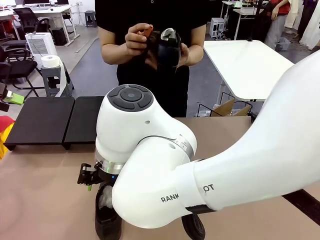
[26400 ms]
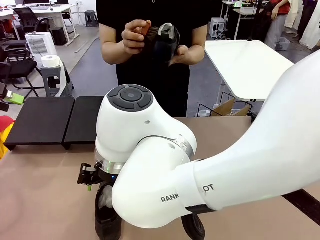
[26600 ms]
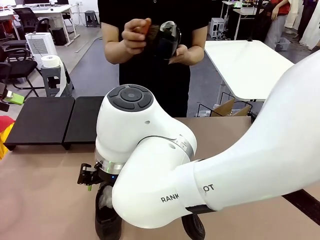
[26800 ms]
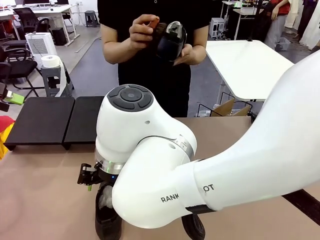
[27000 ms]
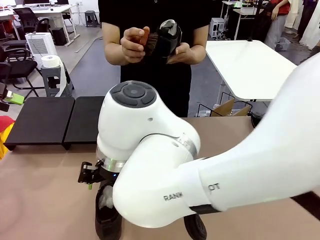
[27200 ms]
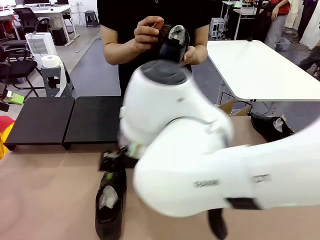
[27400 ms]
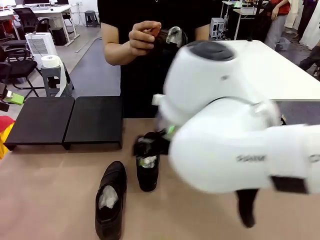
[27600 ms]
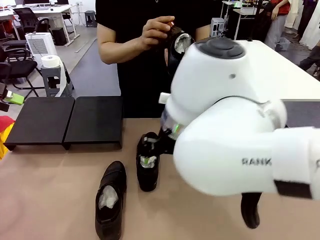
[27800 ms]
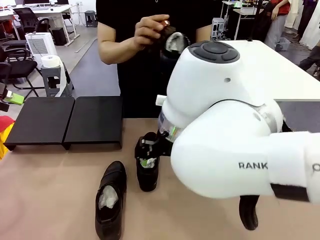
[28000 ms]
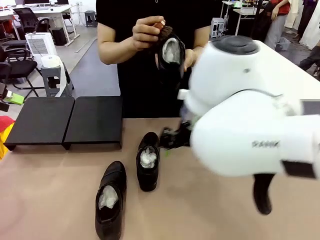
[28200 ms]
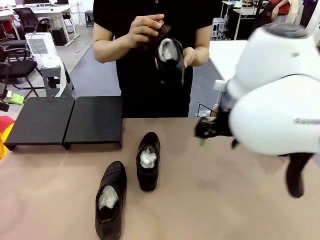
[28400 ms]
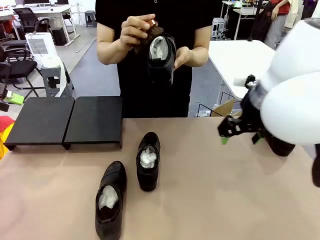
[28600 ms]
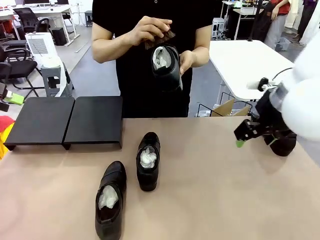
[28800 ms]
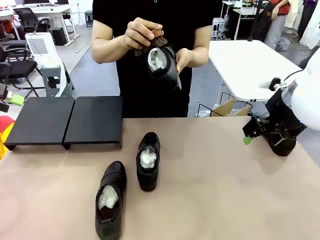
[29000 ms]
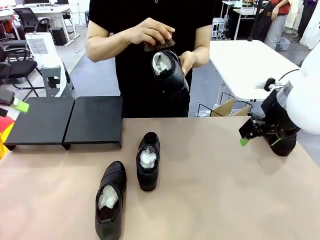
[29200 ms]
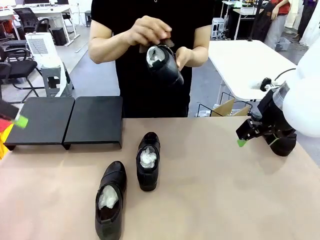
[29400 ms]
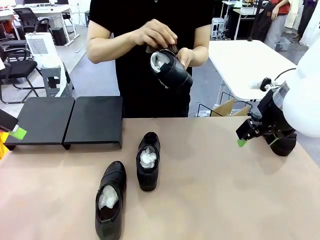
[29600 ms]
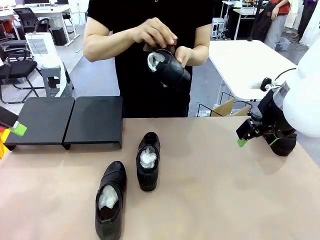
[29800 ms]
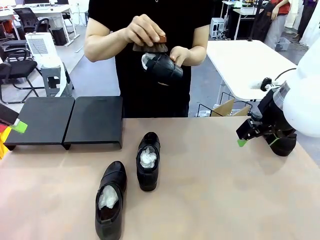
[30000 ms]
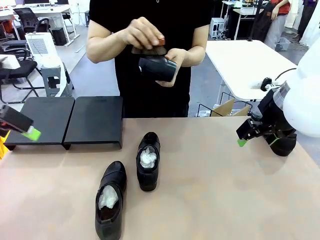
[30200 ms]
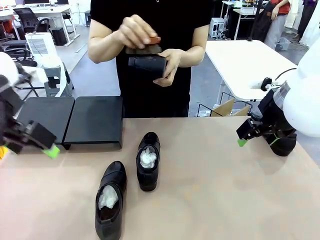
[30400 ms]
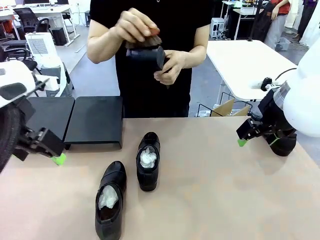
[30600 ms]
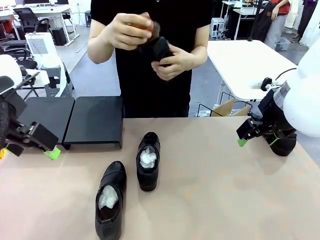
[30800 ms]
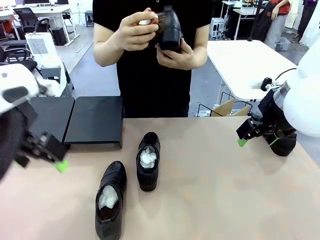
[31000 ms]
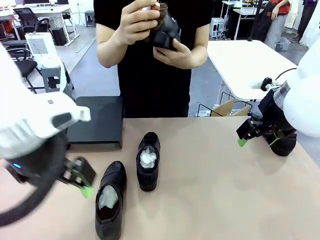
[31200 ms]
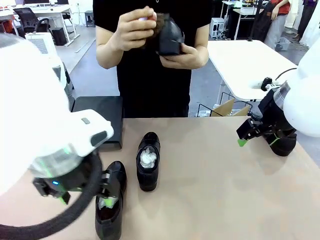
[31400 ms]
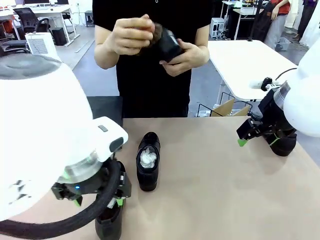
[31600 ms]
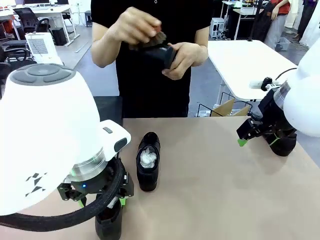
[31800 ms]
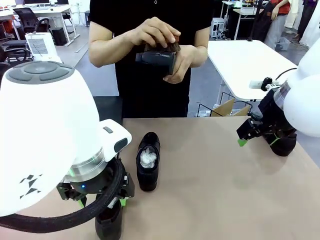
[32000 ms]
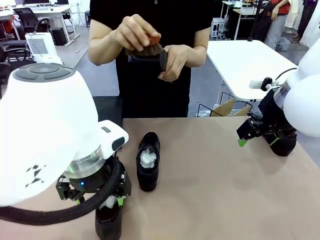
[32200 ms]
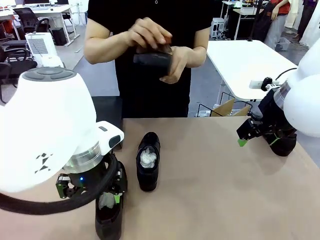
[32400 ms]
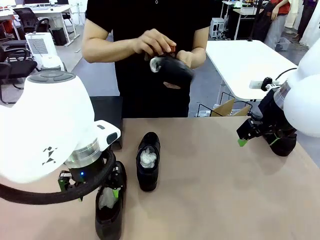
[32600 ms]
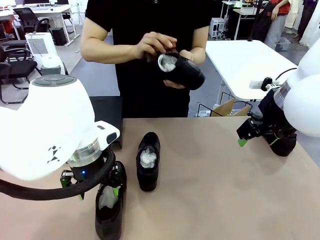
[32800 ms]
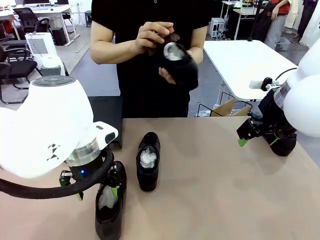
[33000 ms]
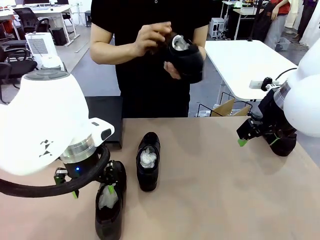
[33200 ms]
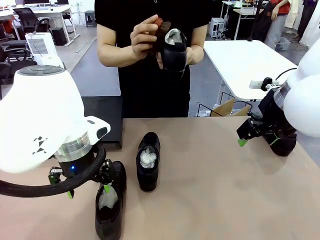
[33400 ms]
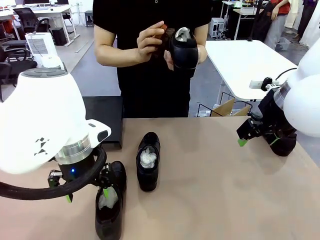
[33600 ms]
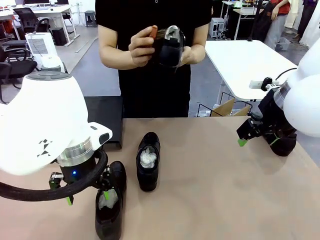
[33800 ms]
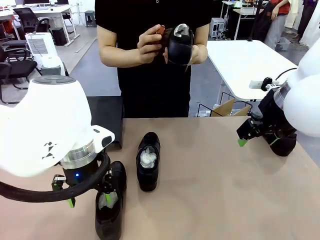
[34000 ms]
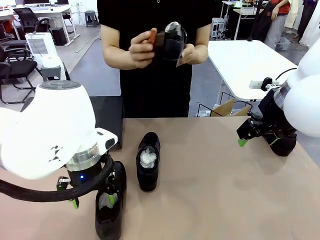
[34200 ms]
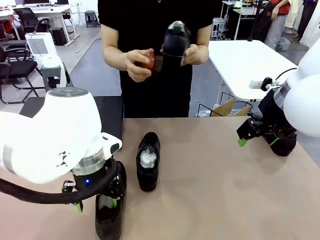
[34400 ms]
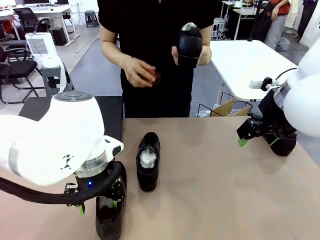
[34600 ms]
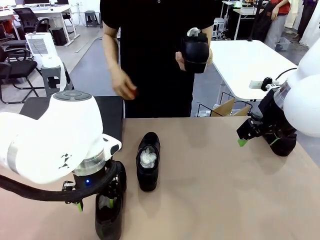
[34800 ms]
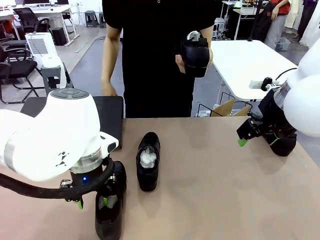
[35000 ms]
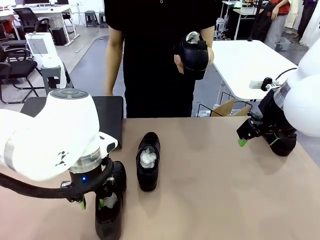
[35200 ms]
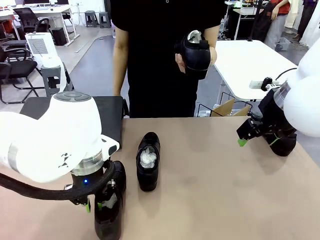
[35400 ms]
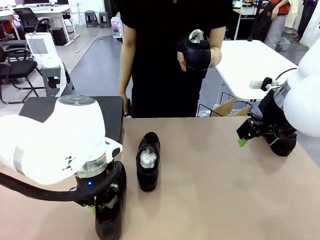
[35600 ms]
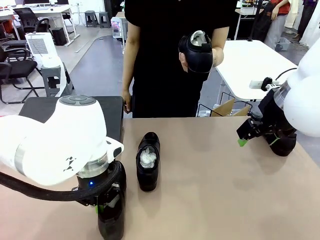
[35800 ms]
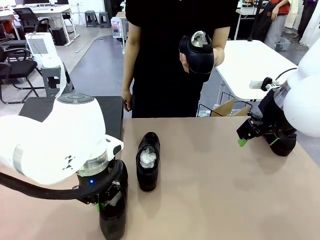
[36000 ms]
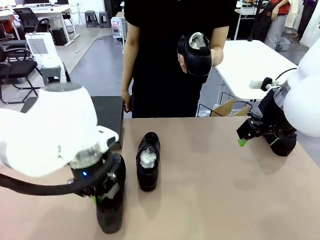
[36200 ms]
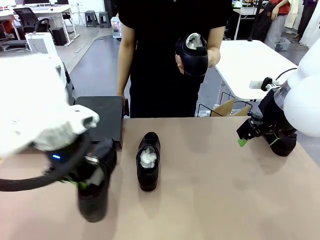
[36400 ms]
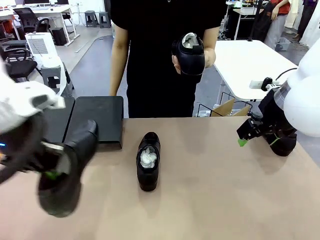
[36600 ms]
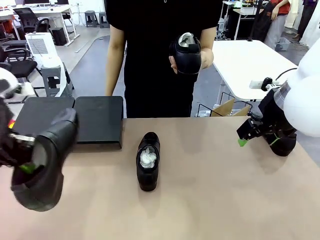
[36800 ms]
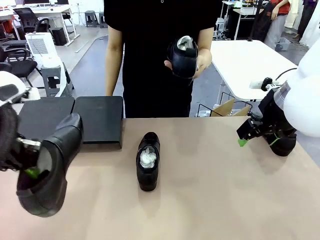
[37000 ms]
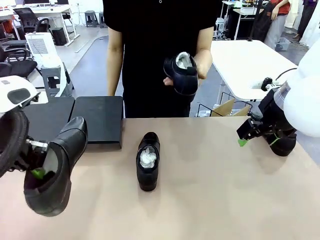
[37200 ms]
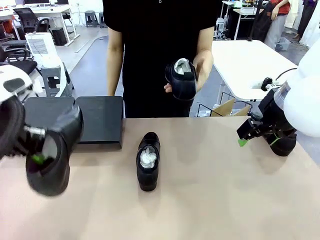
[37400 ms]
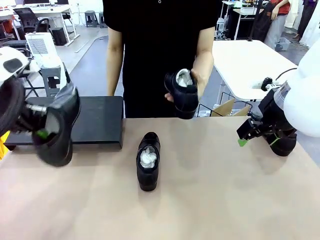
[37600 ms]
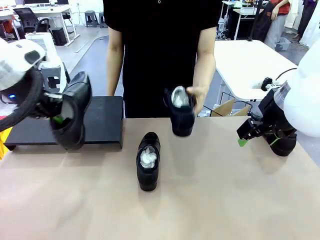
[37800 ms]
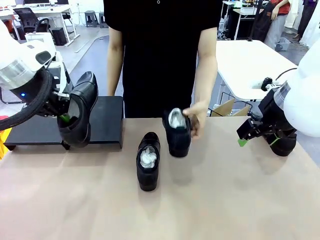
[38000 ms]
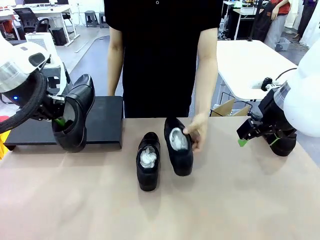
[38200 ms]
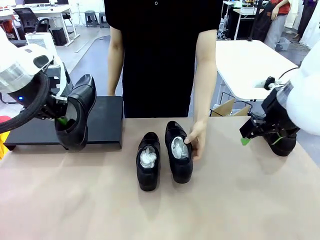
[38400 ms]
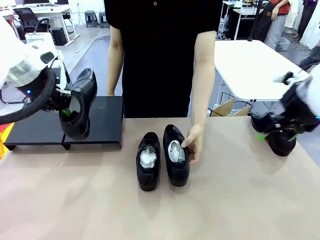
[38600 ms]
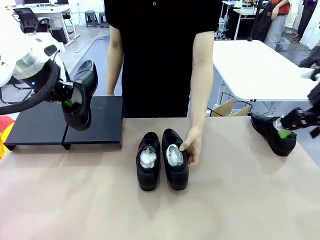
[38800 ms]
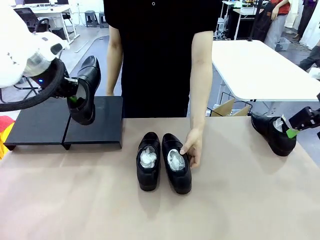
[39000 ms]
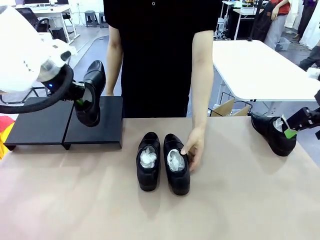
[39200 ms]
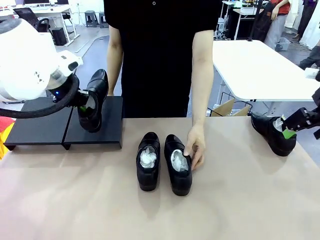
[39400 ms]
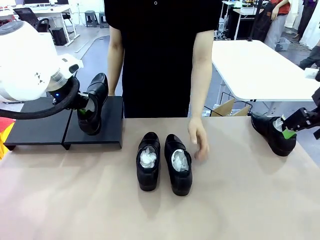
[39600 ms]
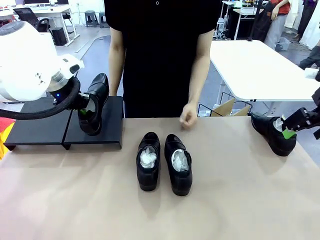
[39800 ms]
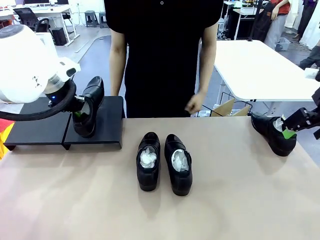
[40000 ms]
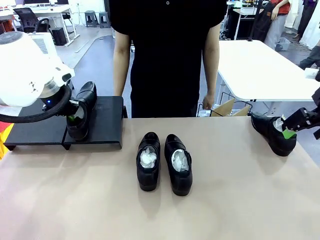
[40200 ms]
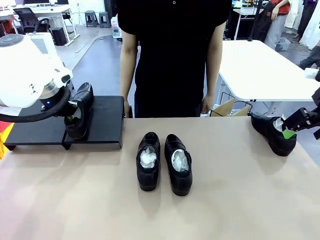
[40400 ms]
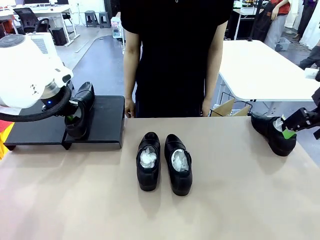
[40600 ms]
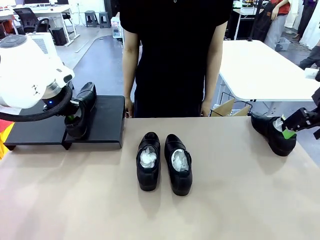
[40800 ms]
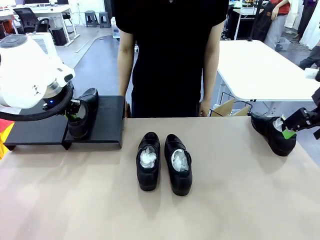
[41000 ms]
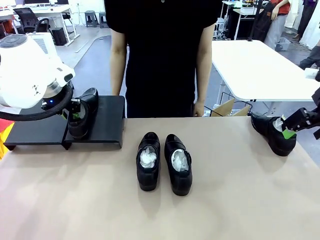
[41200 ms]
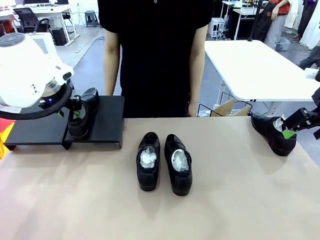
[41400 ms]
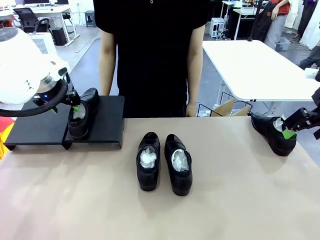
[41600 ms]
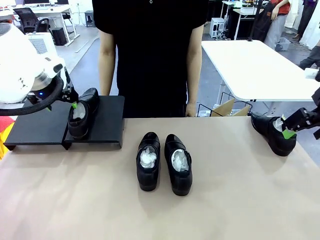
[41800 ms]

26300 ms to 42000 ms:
Task: Organize the shoes by placing them on the stand.
Robot: Place the Shoe from the middle of the table onto the Shoes Stand.
Person: Clean the Shoe with the Shoe Brush.

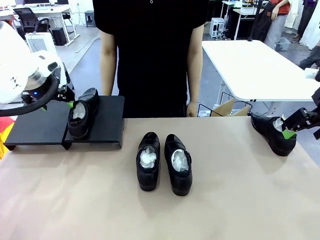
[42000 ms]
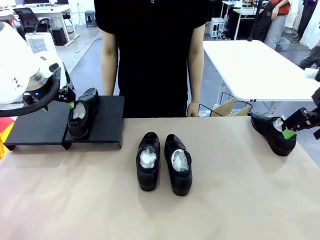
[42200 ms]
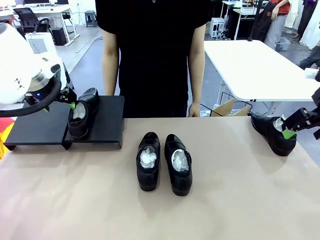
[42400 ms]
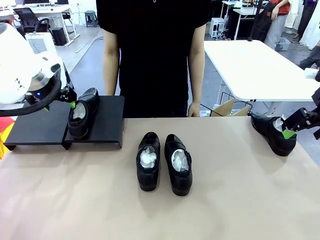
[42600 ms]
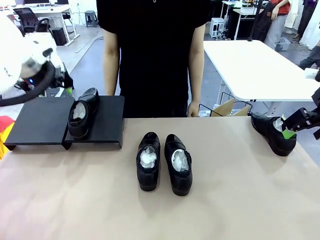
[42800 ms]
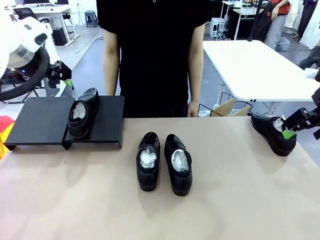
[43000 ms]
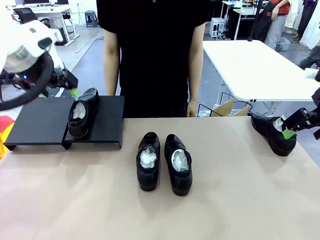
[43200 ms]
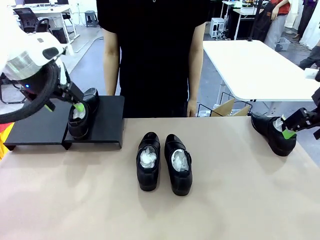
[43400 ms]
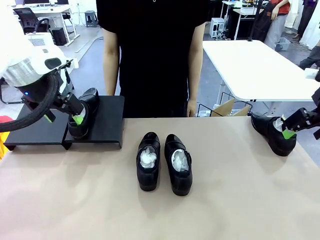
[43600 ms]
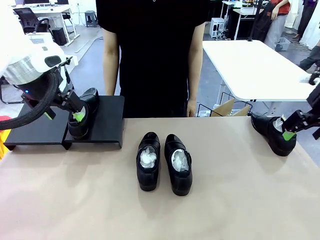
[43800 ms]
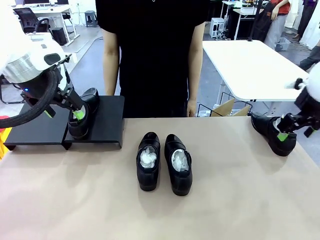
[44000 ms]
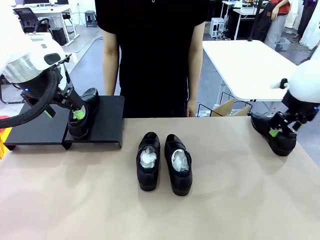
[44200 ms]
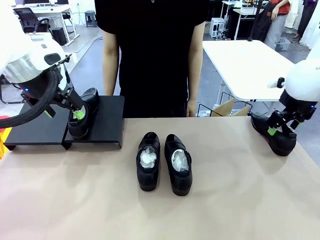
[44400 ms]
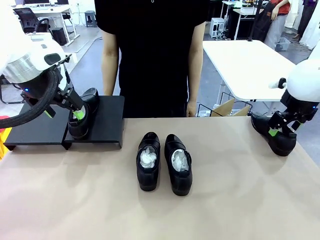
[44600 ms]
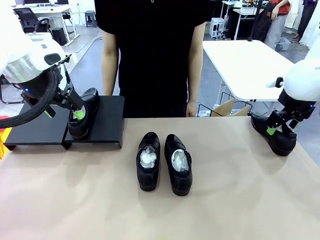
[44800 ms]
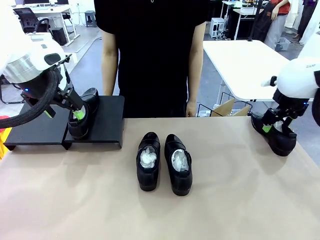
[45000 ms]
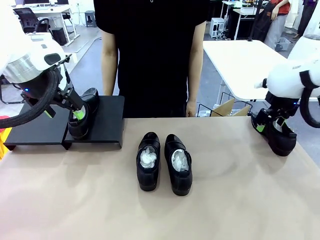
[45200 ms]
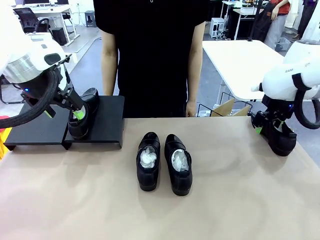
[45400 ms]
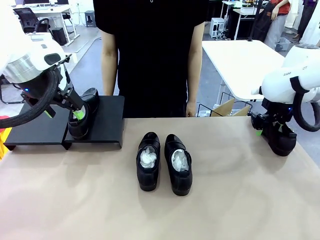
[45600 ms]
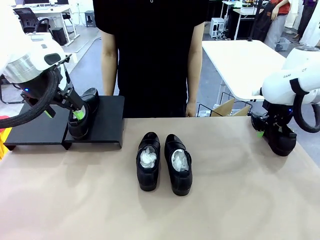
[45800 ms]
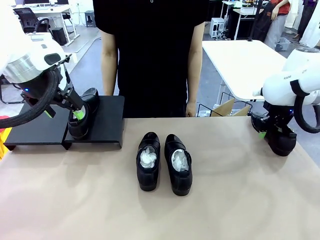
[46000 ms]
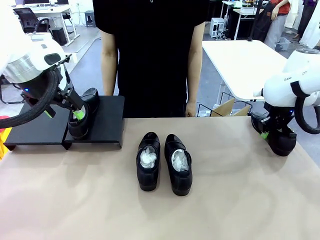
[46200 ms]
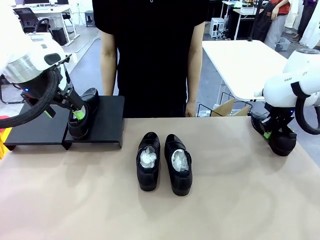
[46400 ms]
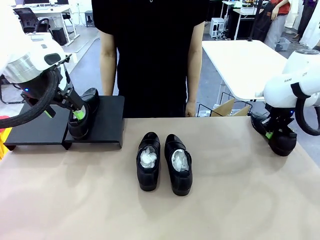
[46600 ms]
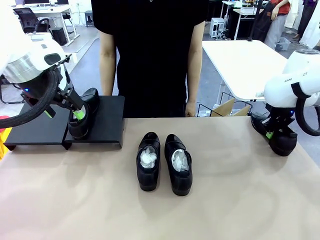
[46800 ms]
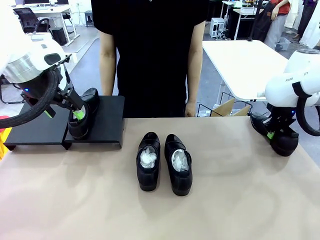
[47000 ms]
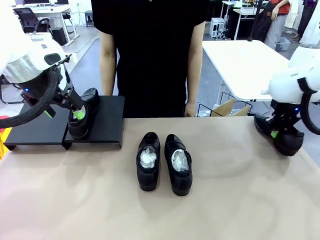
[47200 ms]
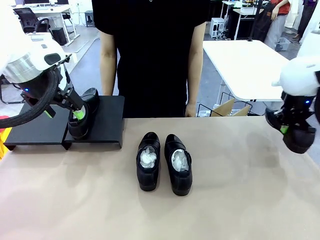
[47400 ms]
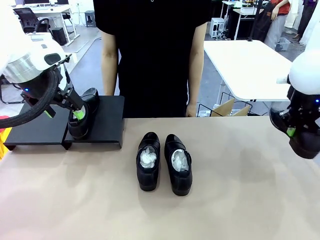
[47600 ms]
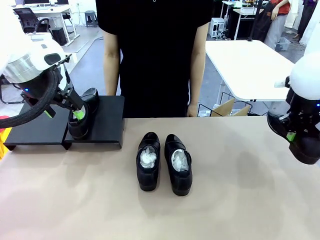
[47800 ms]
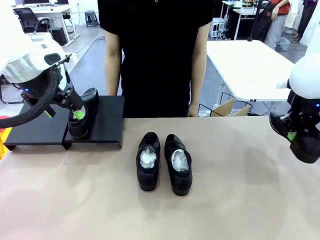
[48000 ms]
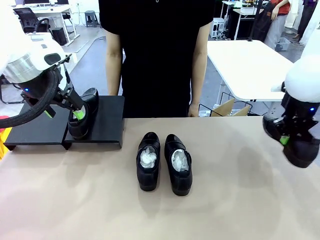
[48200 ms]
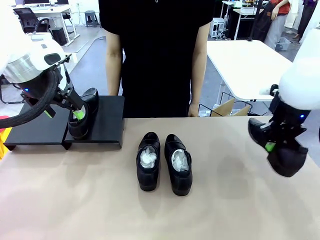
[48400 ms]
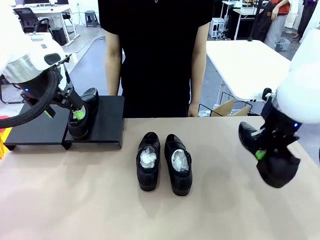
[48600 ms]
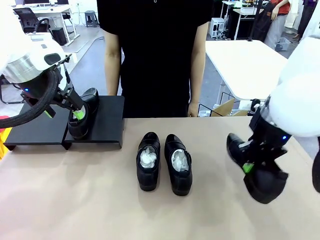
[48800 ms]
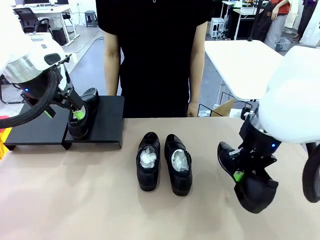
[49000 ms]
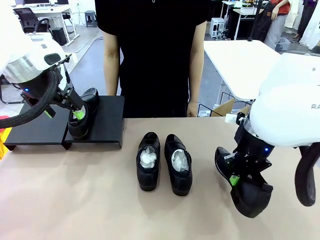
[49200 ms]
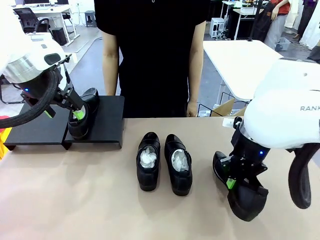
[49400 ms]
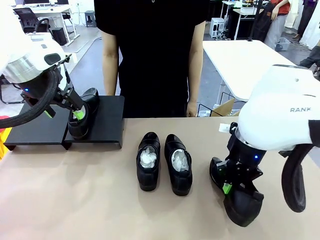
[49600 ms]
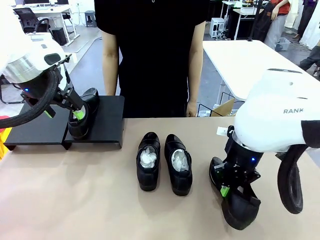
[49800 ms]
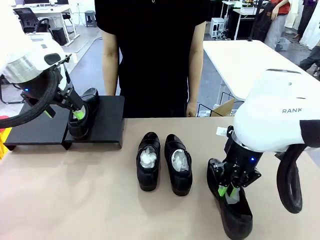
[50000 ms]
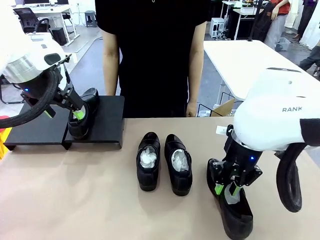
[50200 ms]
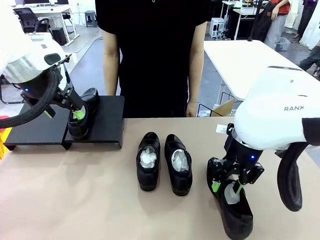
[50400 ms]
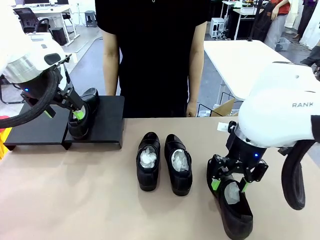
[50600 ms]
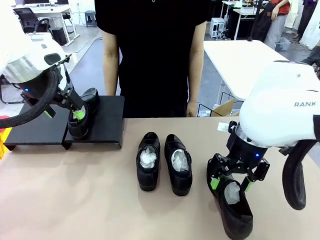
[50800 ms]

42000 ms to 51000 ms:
Robot: Pick up one Shoe and place it in the middle of the table.
